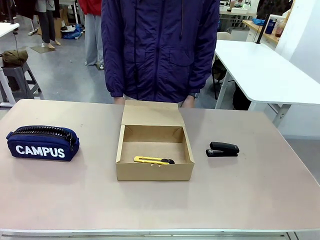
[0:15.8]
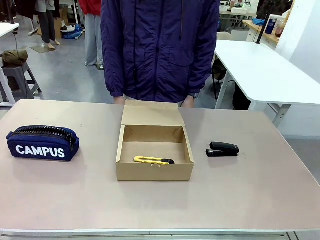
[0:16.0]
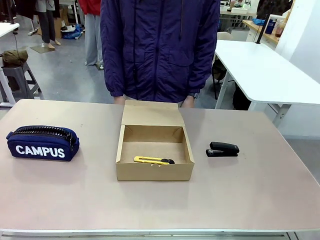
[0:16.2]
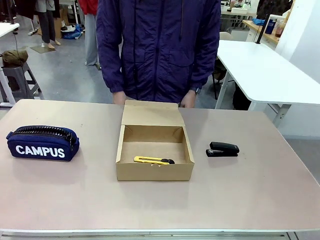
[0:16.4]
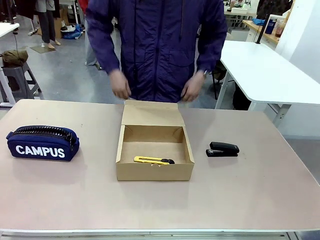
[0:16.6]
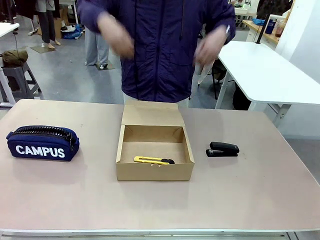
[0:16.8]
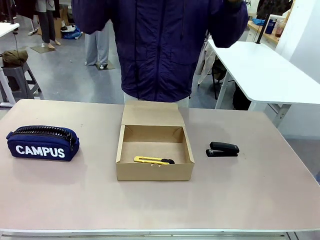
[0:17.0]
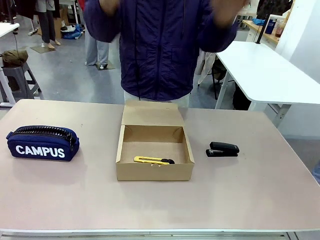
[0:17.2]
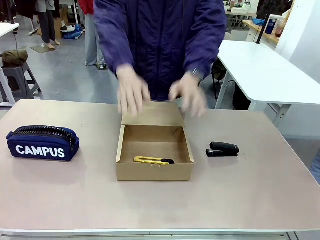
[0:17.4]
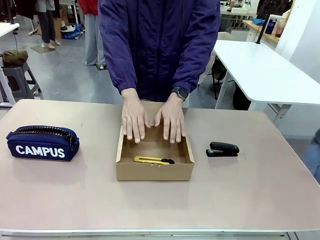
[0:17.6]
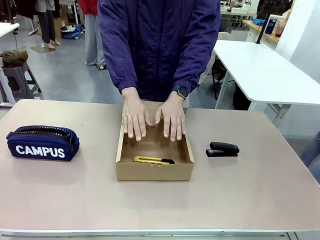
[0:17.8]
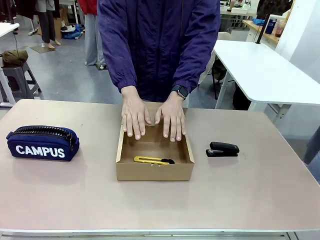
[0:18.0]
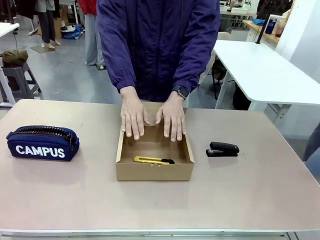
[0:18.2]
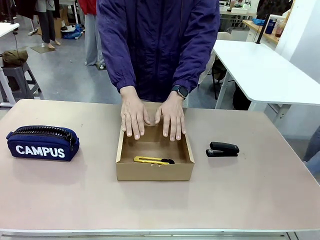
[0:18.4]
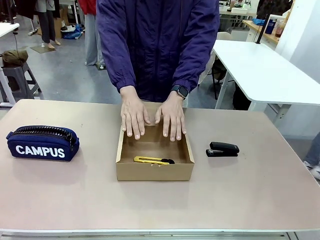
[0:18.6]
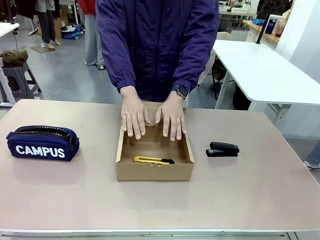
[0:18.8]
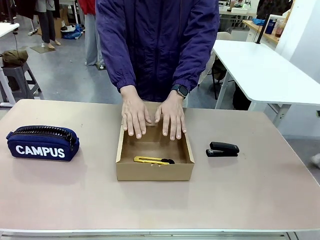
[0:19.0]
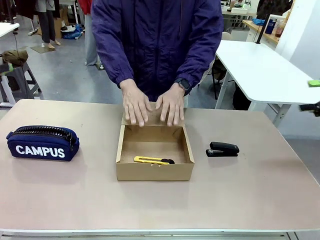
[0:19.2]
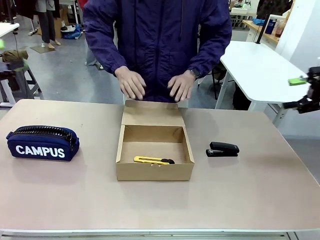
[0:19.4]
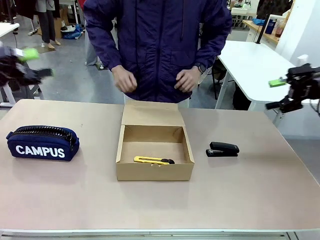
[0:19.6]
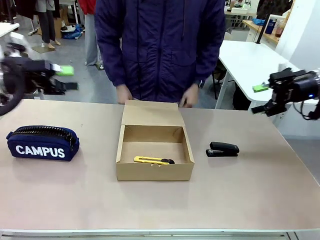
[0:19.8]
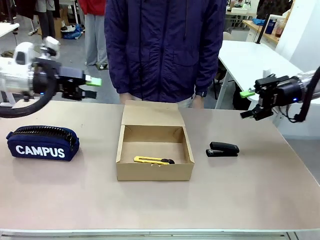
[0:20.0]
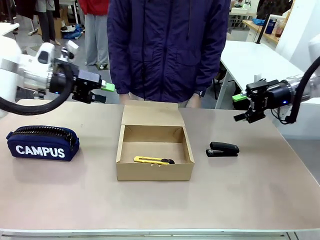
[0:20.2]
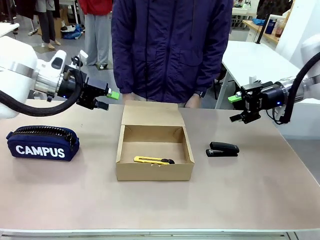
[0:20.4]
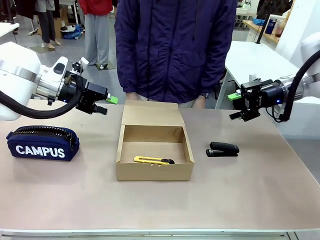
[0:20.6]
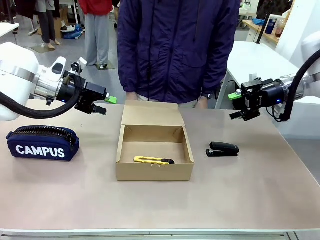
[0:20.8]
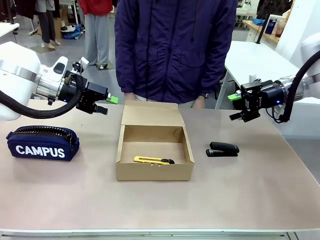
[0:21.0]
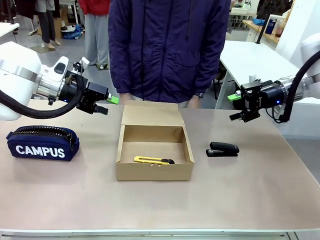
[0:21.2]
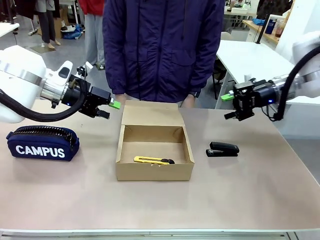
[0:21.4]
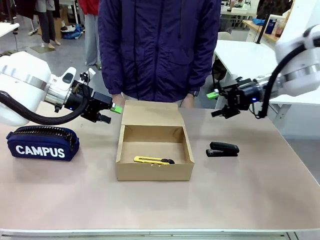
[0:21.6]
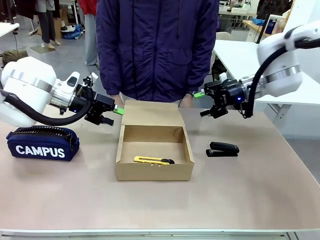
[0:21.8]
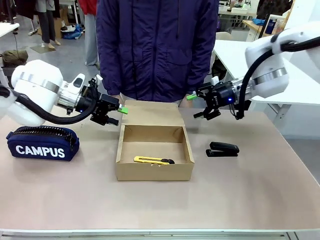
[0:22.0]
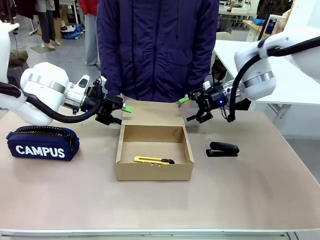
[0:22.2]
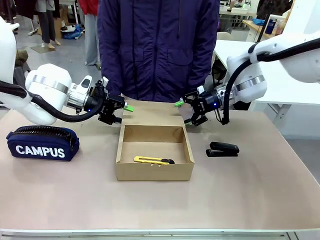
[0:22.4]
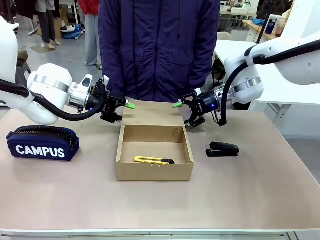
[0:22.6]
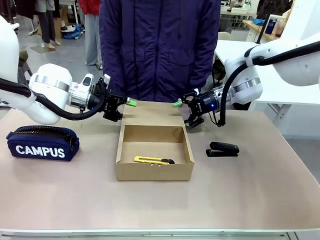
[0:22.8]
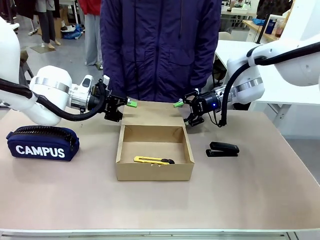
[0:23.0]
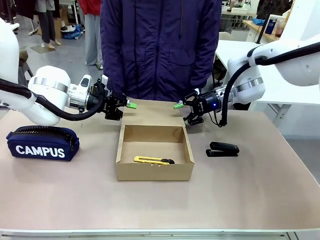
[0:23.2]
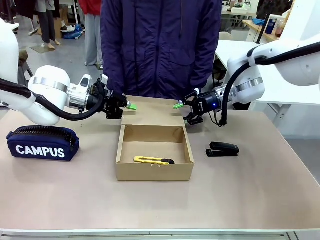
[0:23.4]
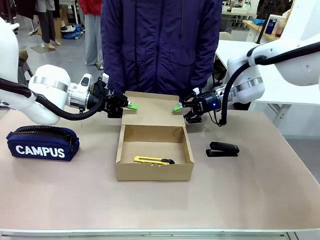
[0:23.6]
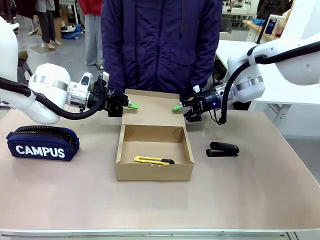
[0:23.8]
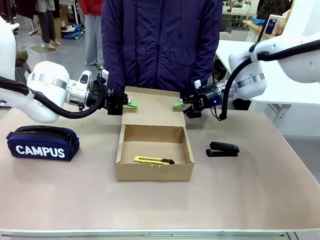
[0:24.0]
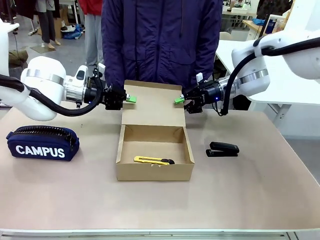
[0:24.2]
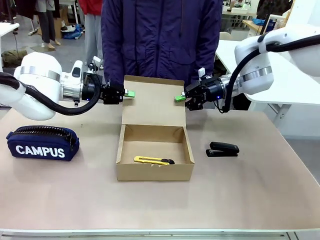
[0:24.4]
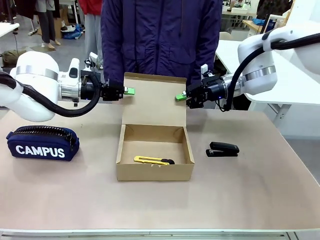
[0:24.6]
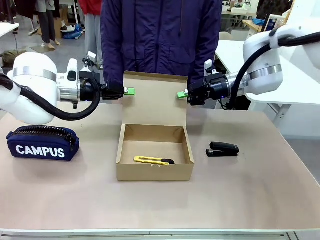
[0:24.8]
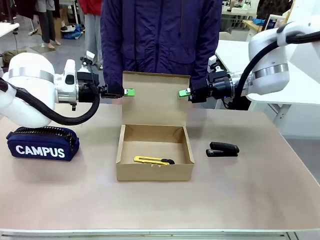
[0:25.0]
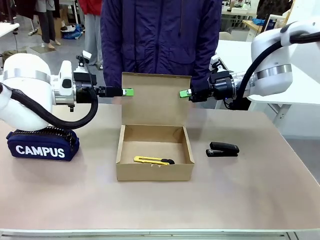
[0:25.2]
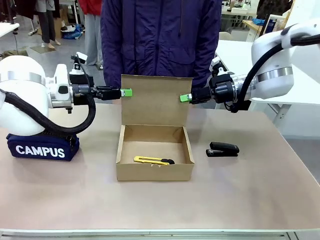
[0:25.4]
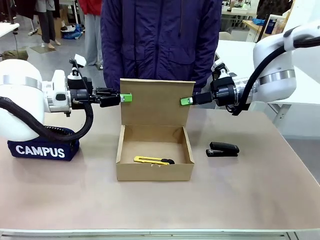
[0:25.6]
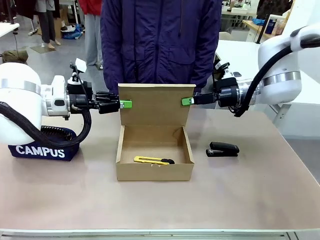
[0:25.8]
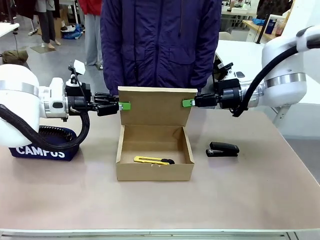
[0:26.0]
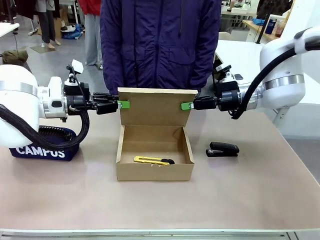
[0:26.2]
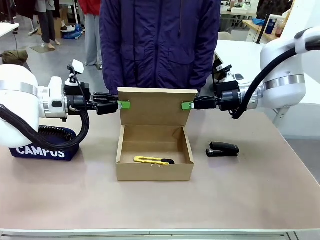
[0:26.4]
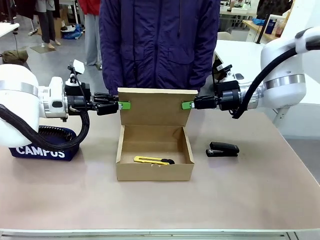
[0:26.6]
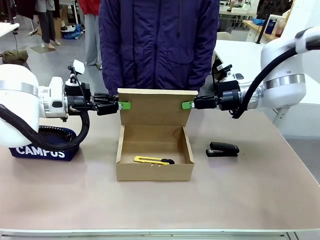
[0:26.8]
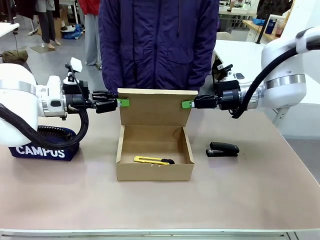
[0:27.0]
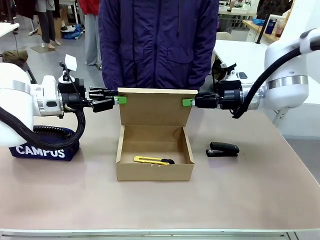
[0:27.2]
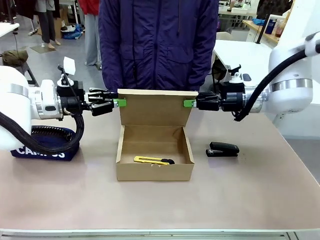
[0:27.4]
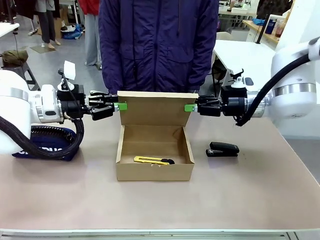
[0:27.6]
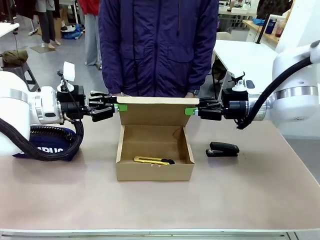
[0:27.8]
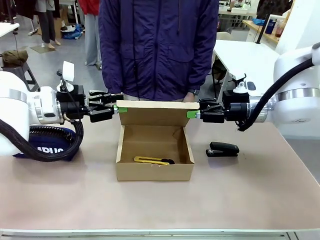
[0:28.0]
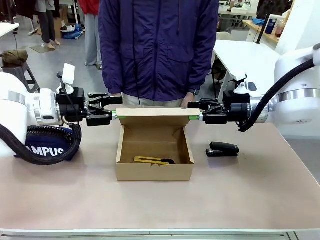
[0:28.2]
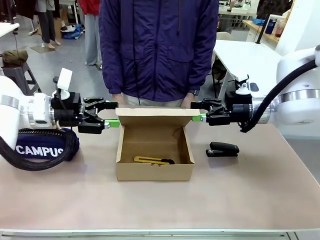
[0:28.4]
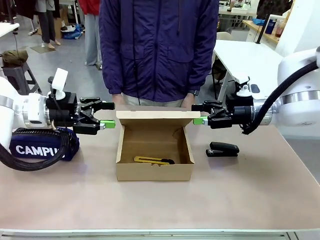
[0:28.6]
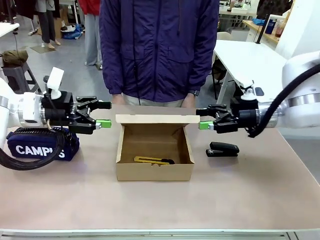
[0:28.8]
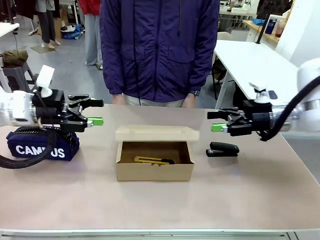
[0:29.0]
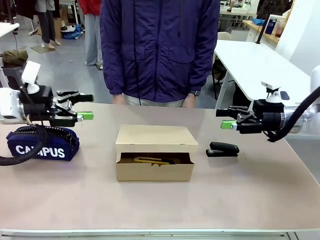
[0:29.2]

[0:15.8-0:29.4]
Task: Pack the item into the box.
Robot: Close the Mailer Box.
Person: Lower both hands vertically with palms facing downward, as if pressing something closed.
